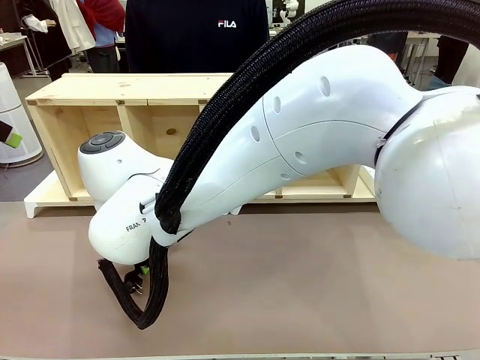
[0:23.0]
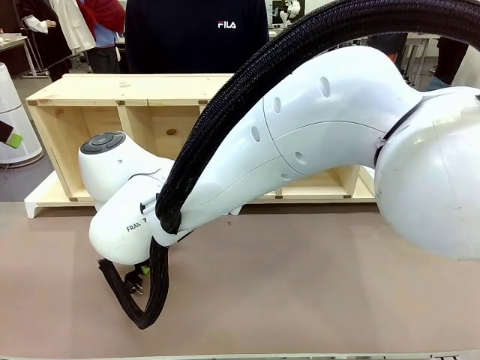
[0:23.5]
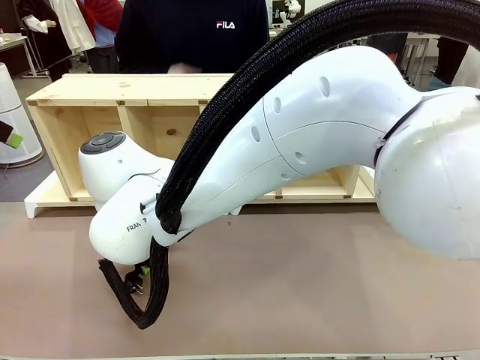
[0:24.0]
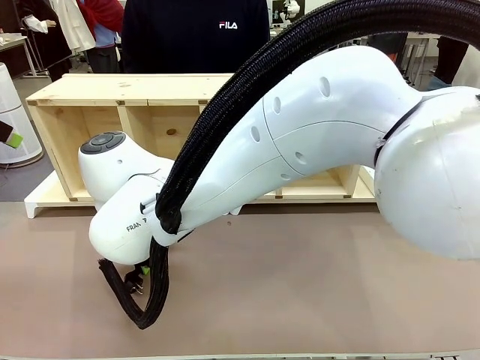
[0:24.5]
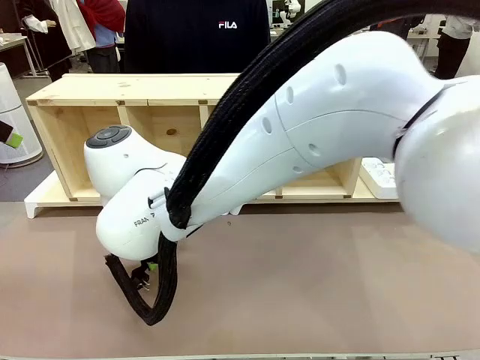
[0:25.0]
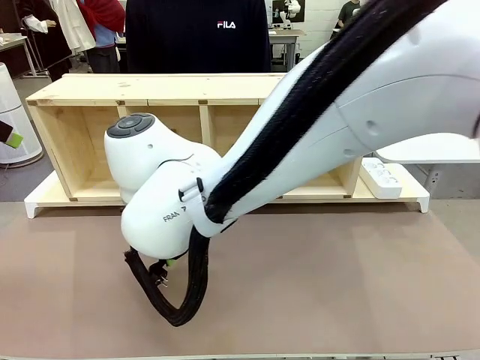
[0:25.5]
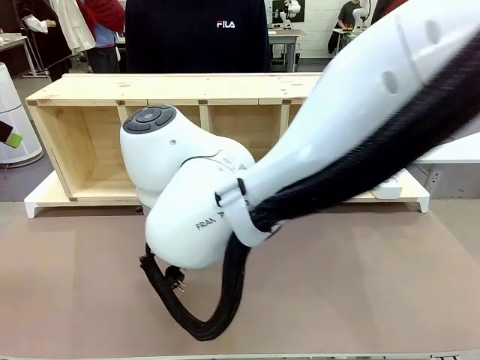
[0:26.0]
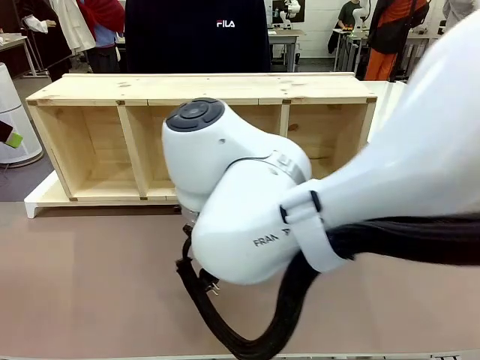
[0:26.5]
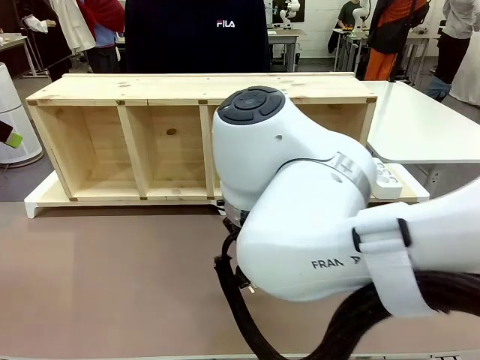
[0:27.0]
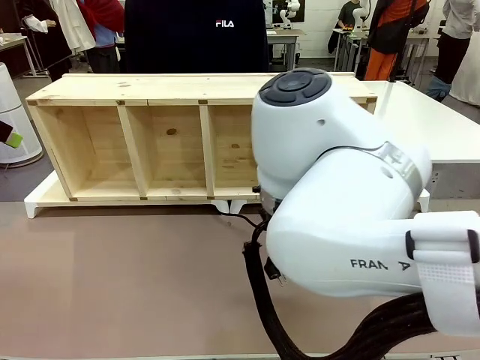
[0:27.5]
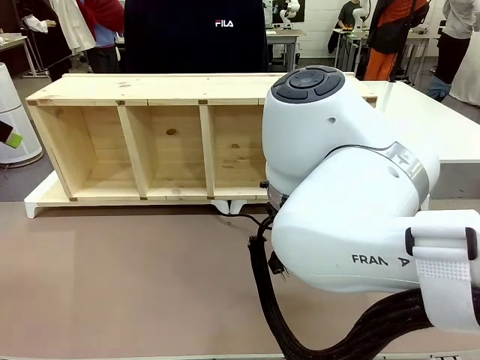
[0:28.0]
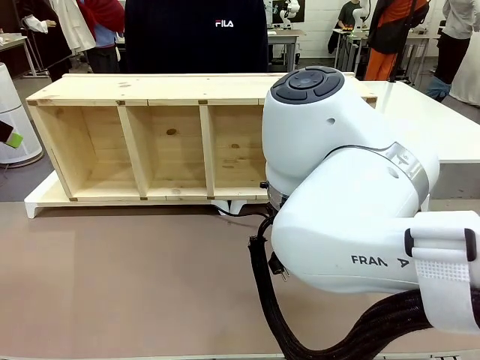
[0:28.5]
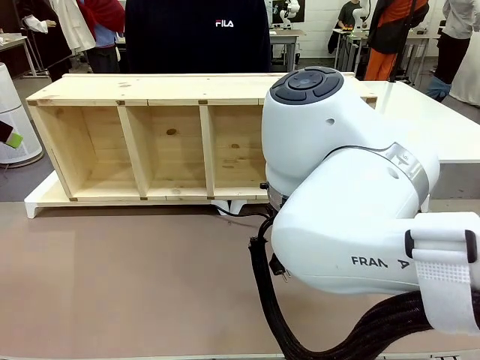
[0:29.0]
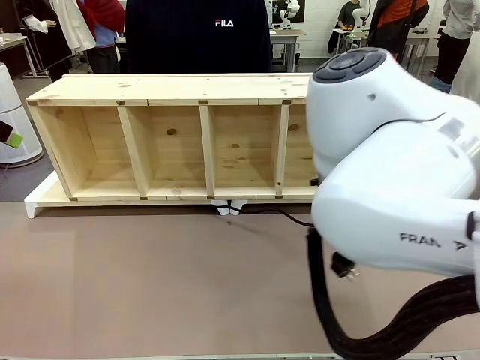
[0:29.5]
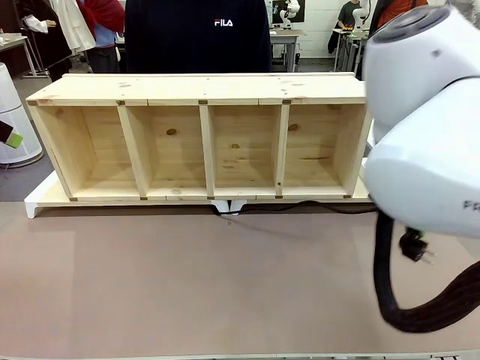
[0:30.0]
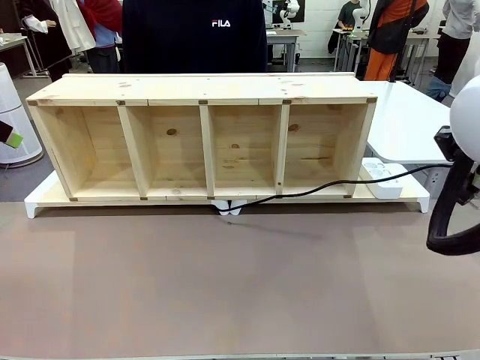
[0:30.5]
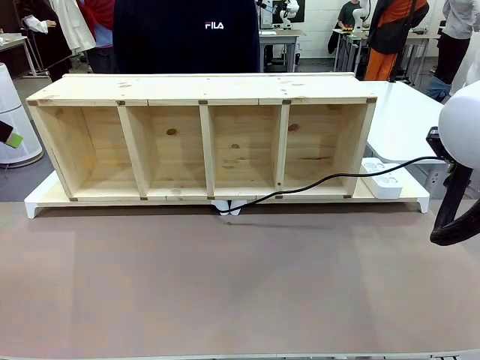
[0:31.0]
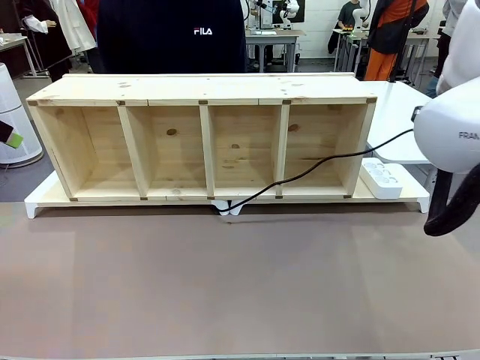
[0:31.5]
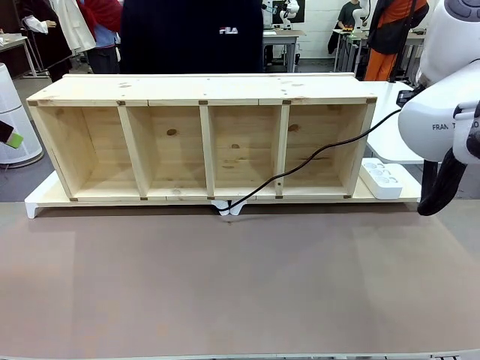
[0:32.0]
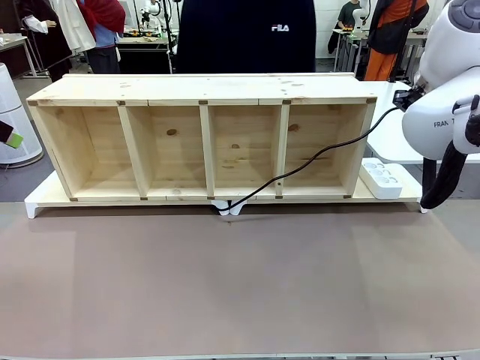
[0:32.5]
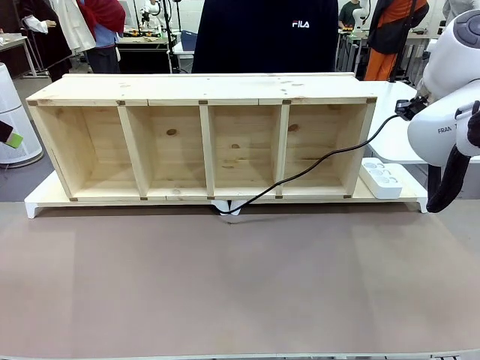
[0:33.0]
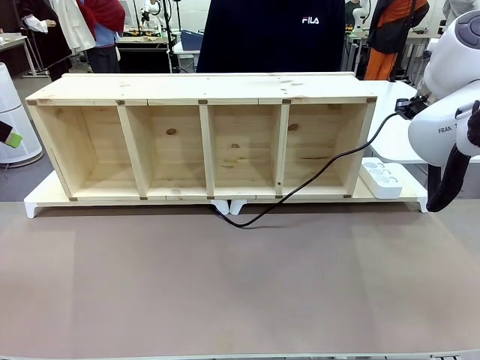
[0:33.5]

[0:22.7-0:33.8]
Task: Perform cable management.
Robot: Pull the grasped Power Cable to the location of the Power Strip.

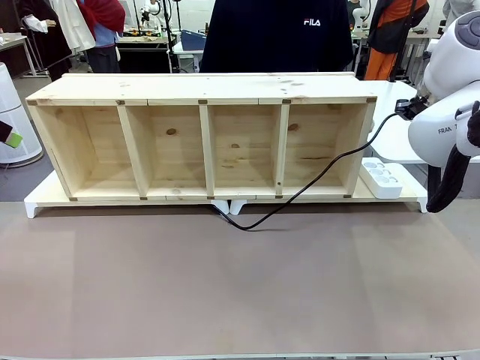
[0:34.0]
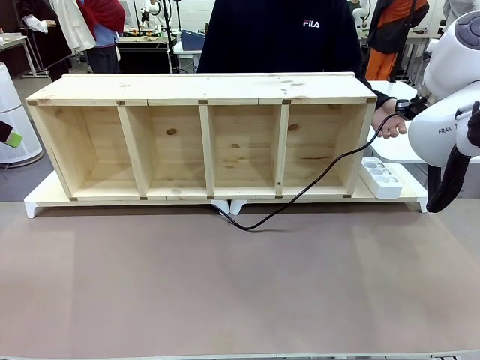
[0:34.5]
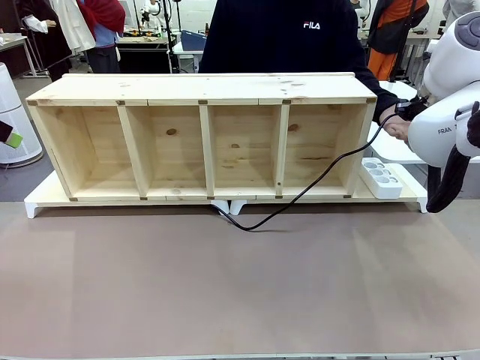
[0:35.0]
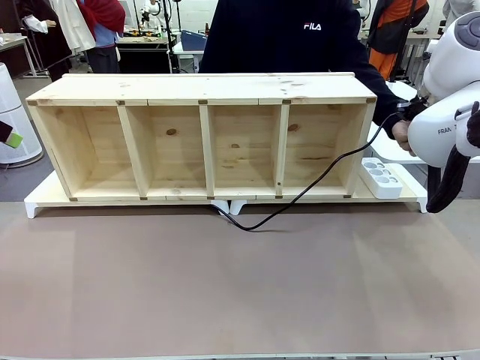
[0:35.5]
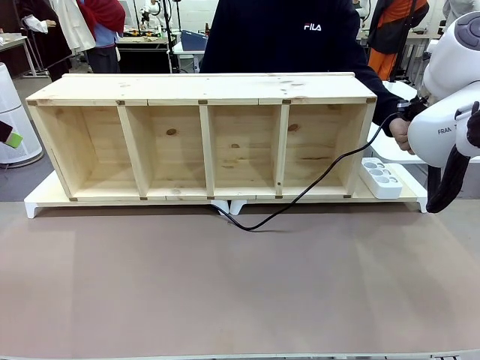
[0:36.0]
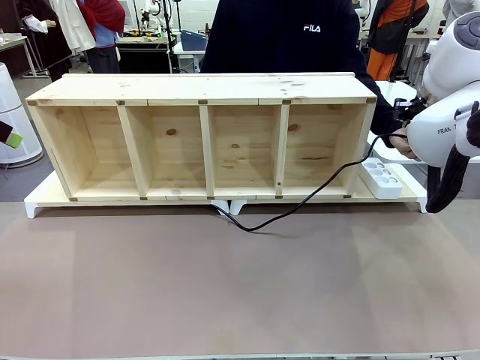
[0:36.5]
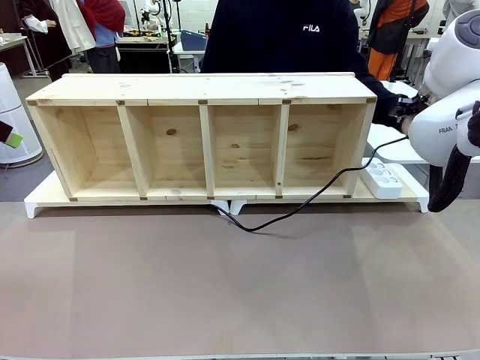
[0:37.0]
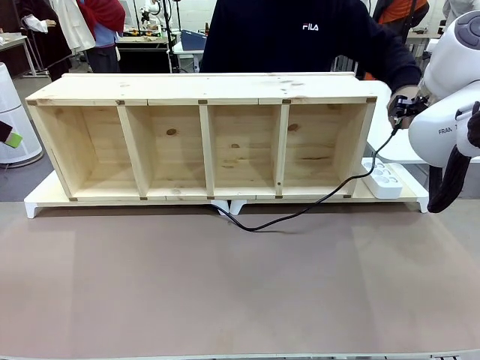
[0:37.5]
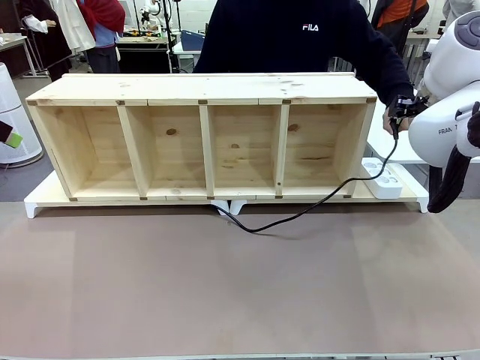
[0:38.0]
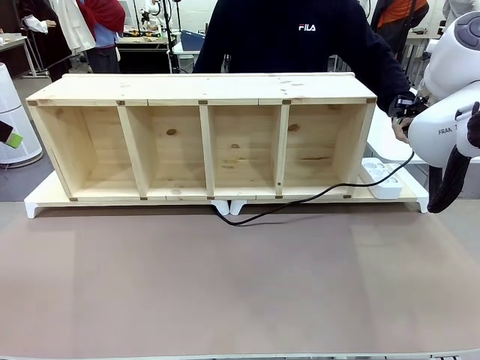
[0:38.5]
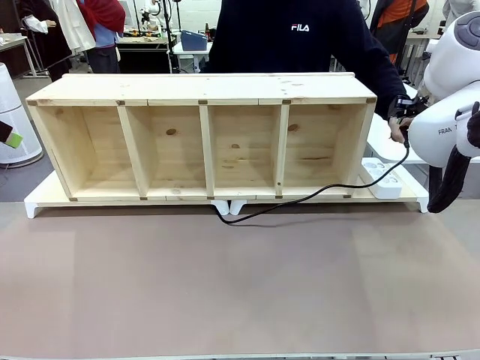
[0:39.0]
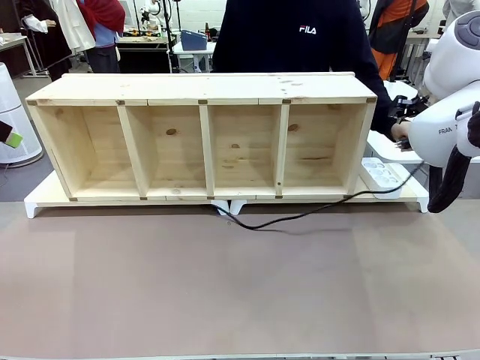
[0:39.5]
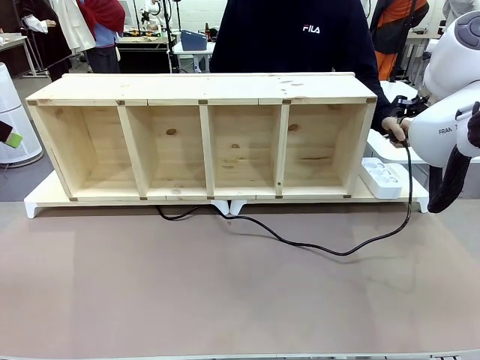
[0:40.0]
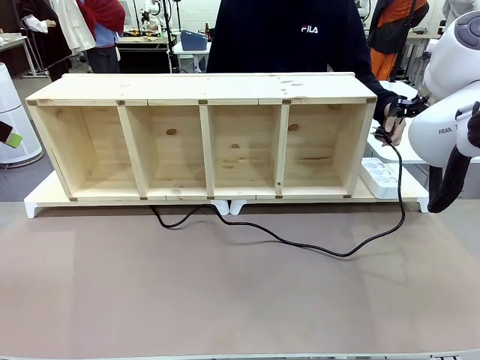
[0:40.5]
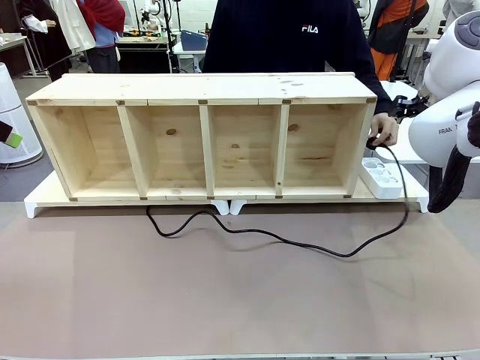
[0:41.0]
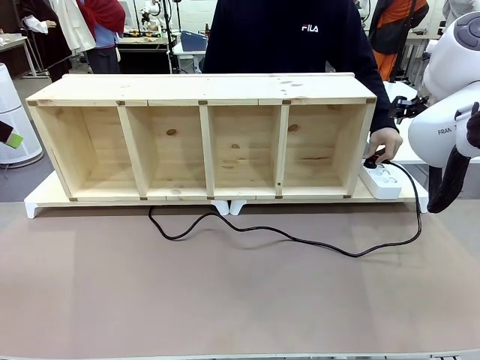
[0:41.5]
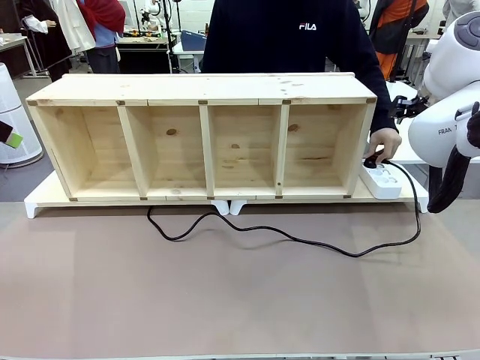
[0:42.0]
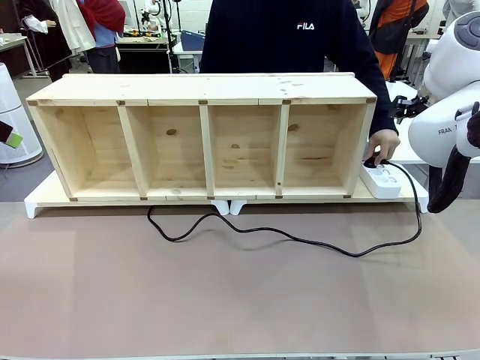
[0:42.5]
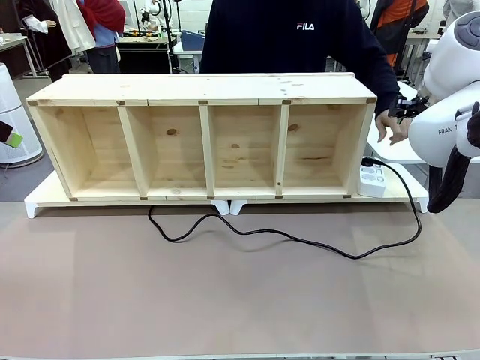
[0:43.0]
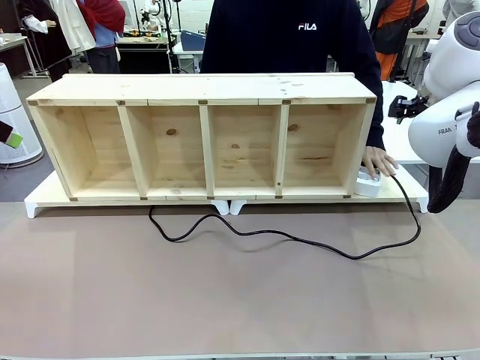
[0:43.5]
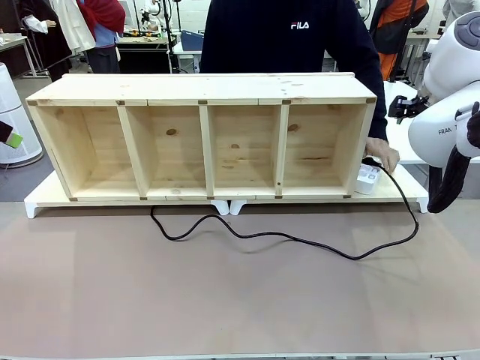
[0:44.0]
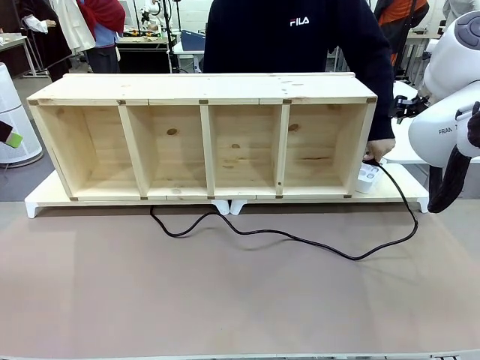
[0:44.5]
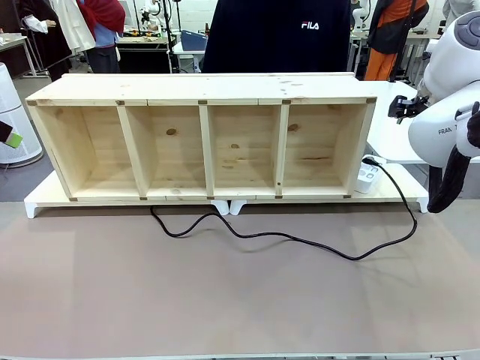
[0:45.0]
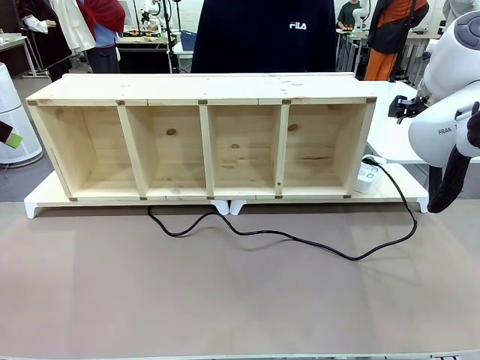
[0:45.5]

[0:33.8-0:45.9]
Robot: Release the Power Cable when the human grasps it.
Person: Plug the Power Cable into the Power Strip.

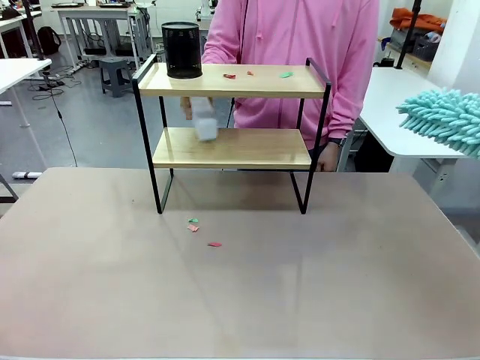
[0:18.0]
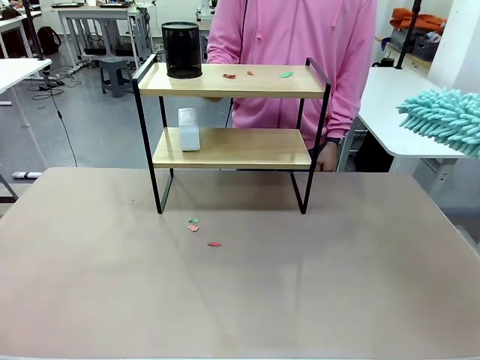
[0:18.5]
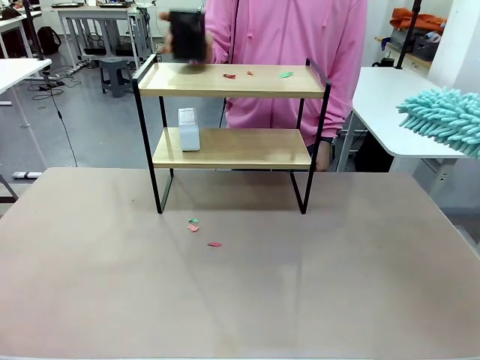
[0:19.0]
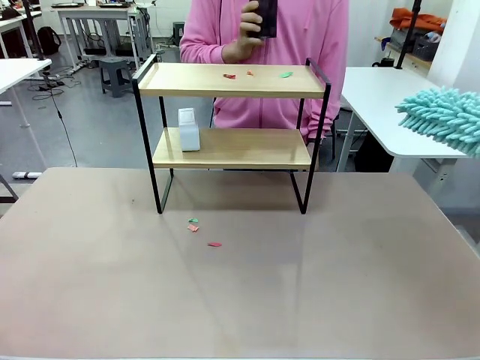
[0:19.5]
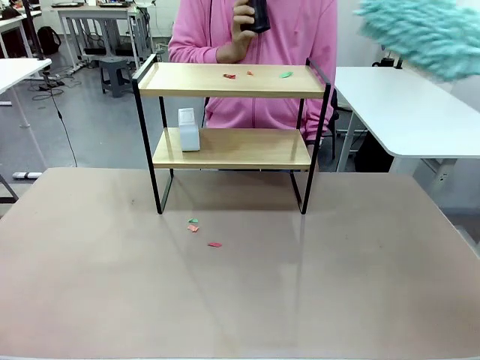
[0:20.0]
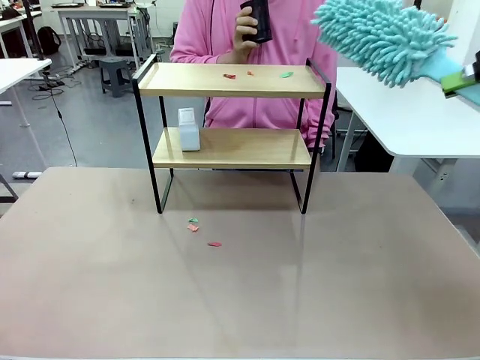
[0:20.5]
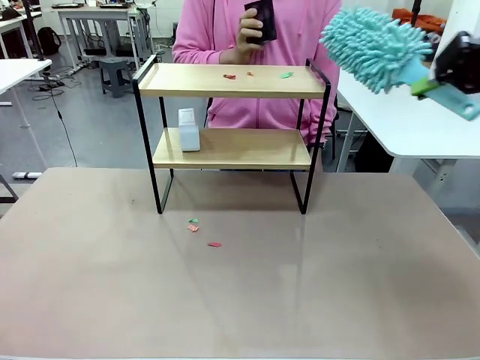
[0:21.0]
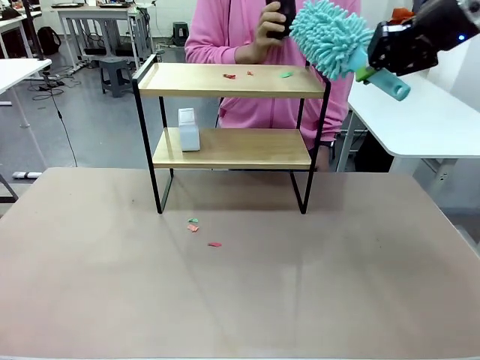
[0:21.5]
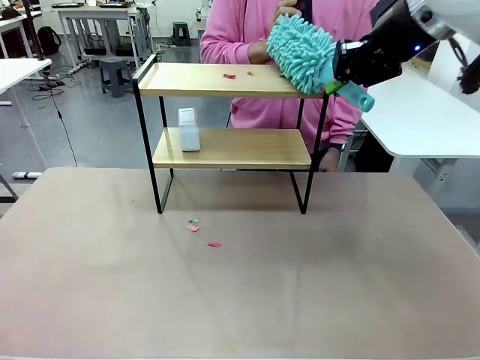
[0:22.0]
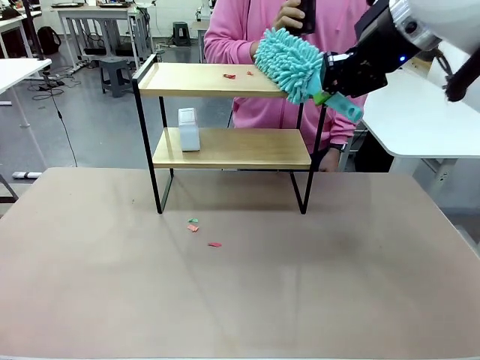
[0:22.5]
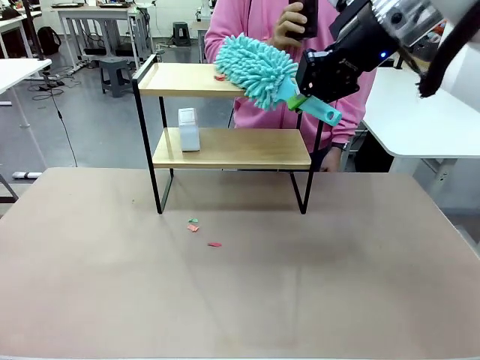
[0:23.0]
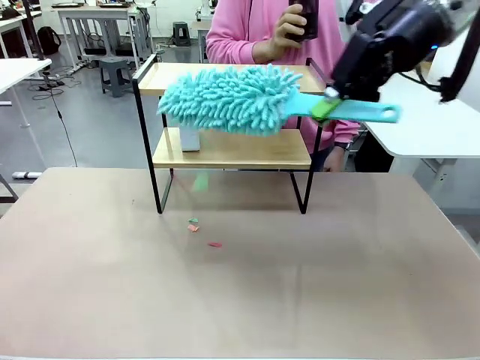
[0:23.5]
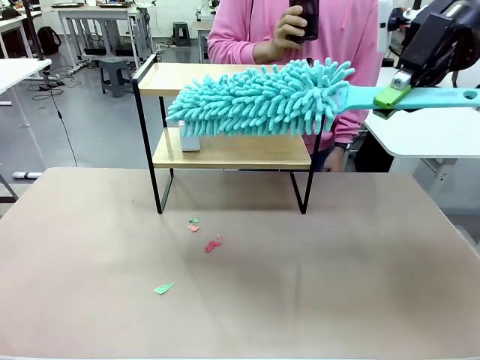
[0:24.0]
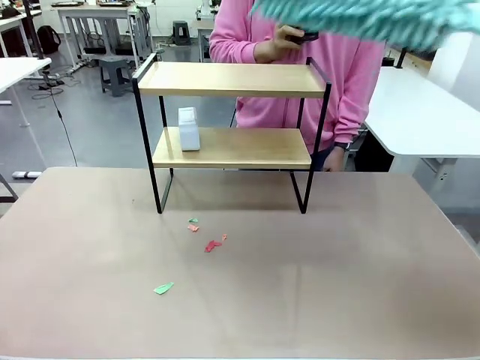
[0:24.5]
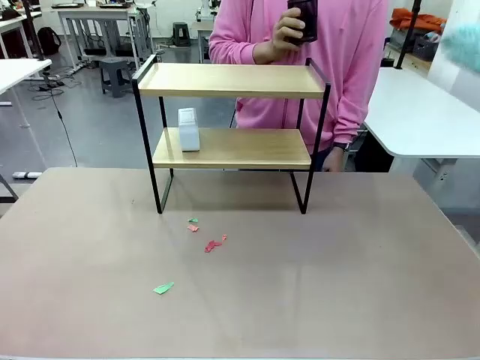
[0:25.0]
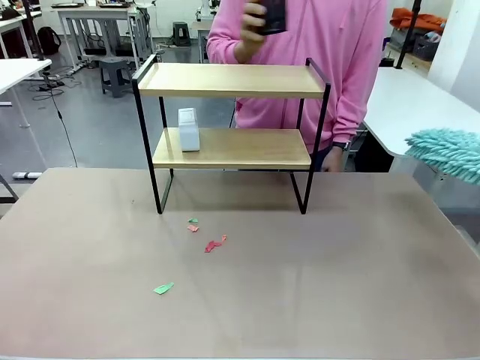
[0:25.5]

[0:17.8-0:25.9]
Task: Clean the shelf.
Robot: Clean the remaining tier of the Shelf with the Duster once objects are removed.
